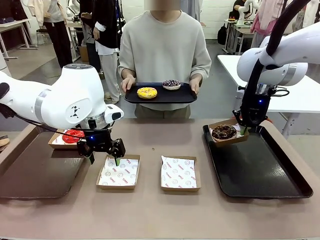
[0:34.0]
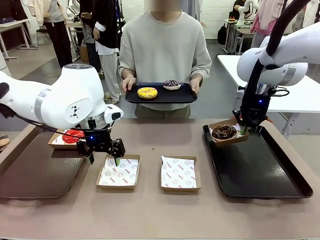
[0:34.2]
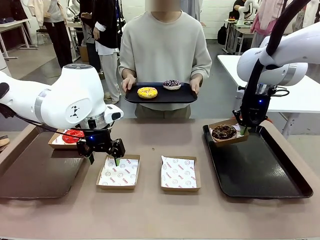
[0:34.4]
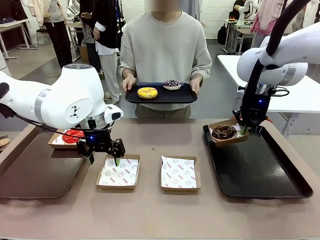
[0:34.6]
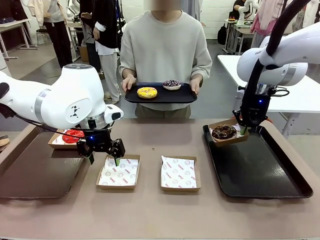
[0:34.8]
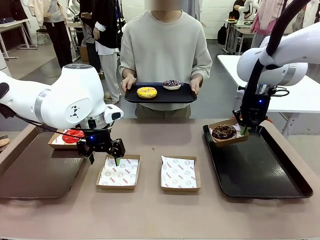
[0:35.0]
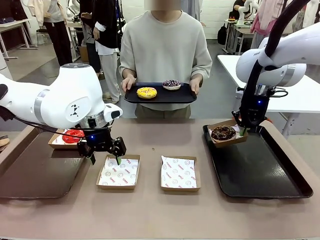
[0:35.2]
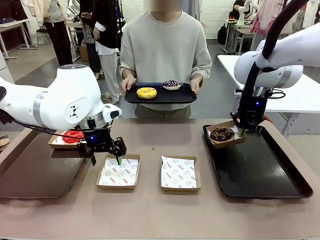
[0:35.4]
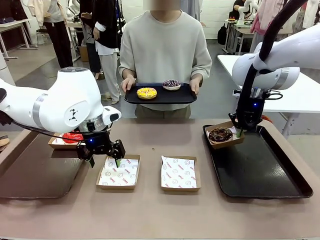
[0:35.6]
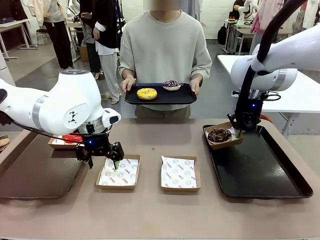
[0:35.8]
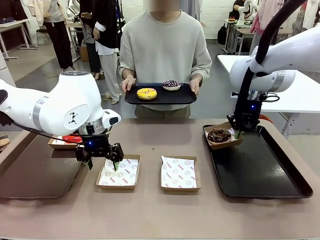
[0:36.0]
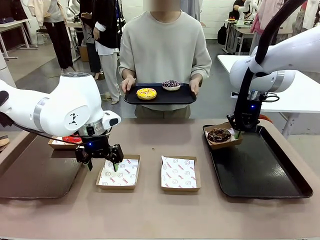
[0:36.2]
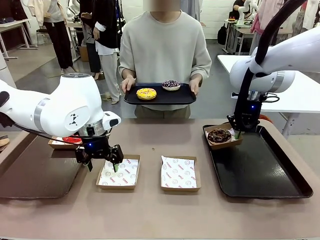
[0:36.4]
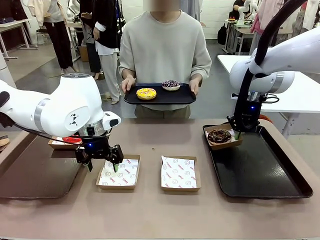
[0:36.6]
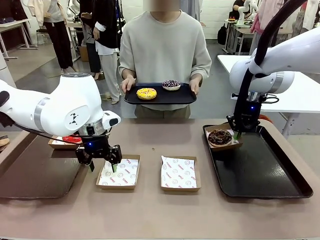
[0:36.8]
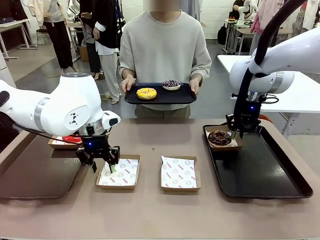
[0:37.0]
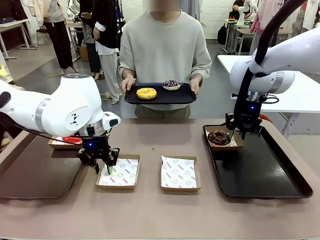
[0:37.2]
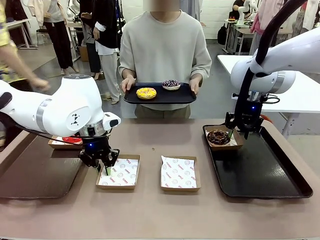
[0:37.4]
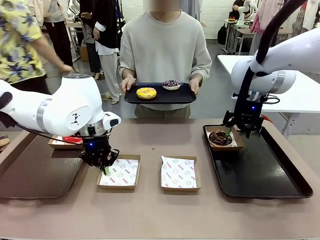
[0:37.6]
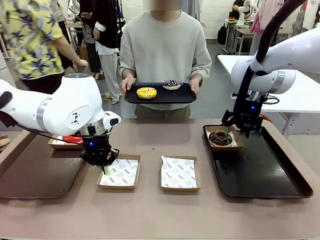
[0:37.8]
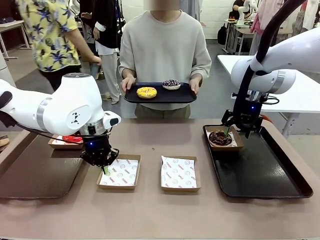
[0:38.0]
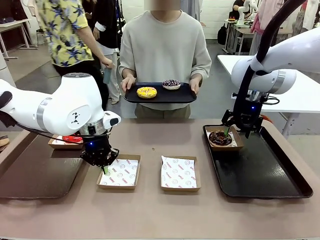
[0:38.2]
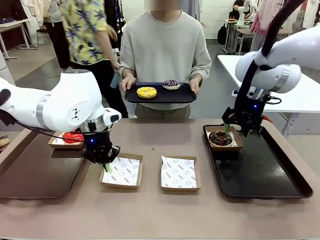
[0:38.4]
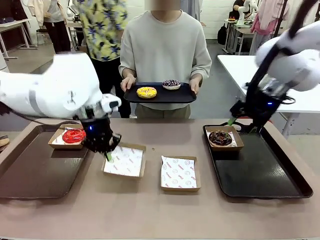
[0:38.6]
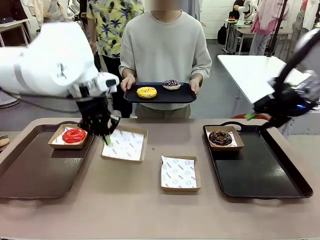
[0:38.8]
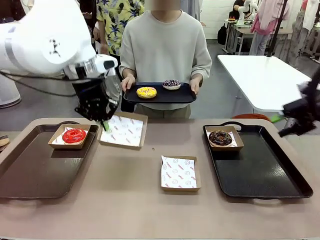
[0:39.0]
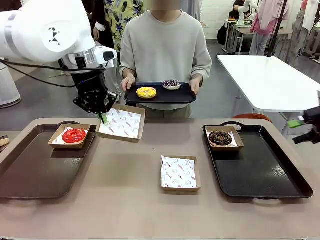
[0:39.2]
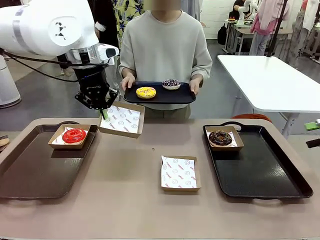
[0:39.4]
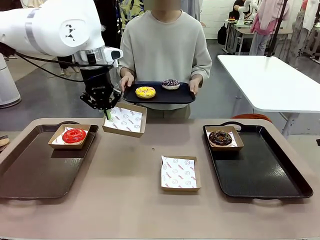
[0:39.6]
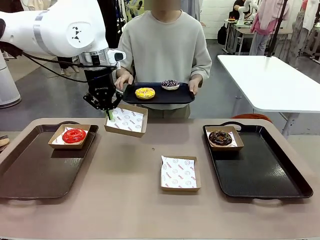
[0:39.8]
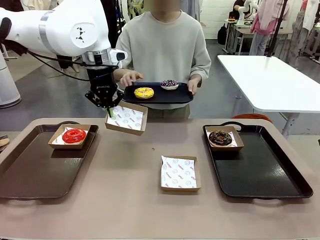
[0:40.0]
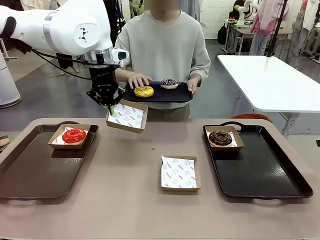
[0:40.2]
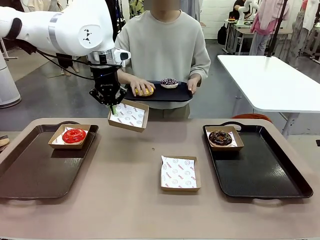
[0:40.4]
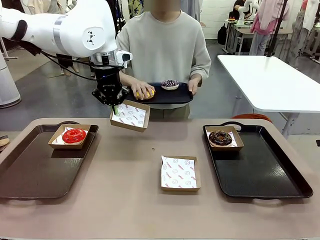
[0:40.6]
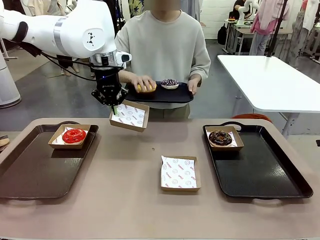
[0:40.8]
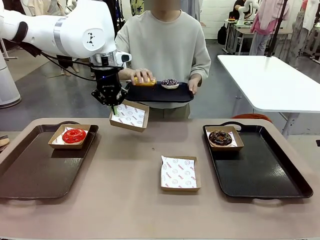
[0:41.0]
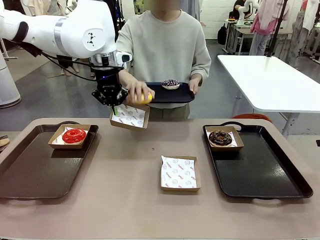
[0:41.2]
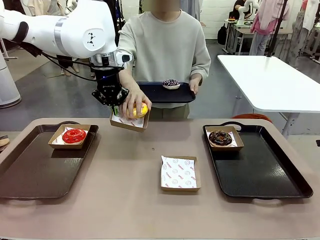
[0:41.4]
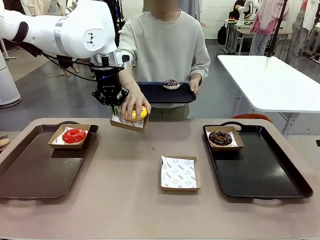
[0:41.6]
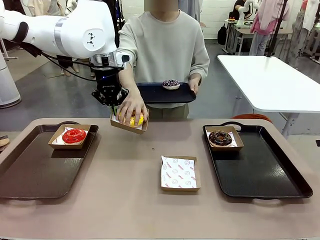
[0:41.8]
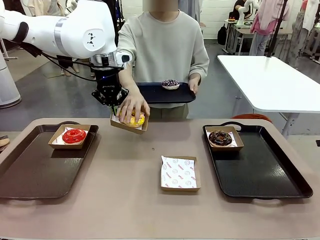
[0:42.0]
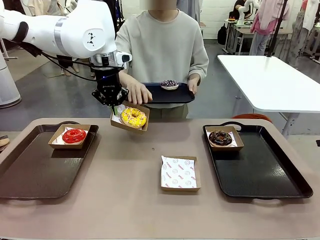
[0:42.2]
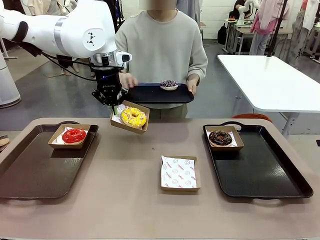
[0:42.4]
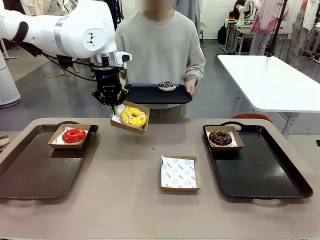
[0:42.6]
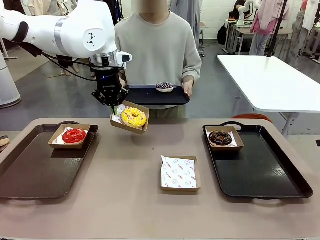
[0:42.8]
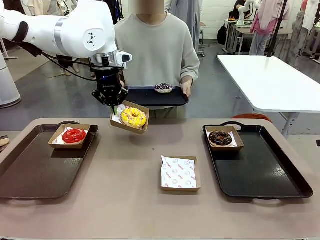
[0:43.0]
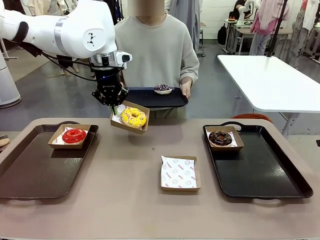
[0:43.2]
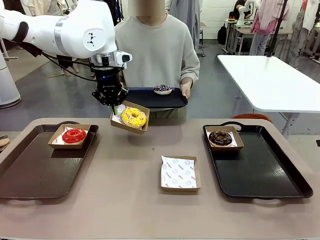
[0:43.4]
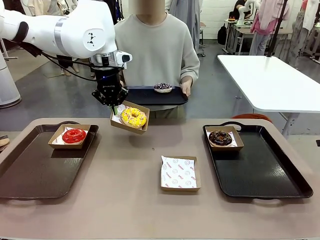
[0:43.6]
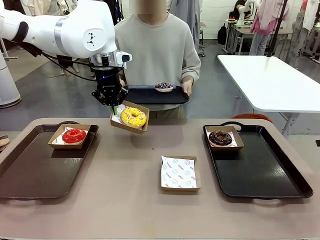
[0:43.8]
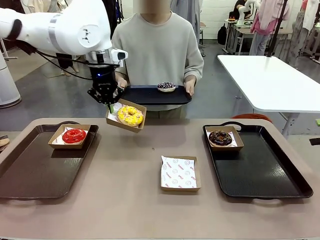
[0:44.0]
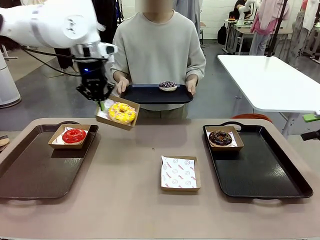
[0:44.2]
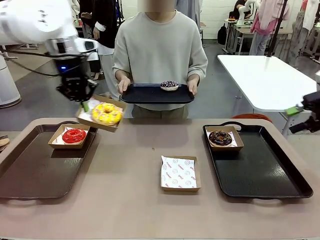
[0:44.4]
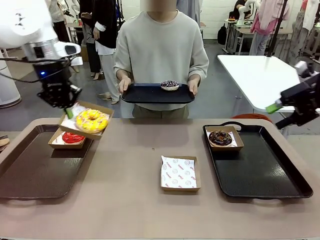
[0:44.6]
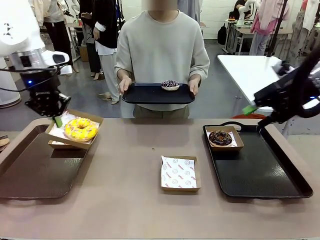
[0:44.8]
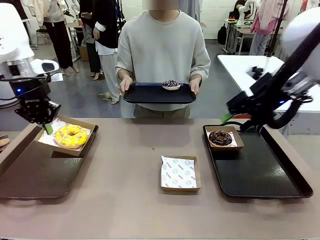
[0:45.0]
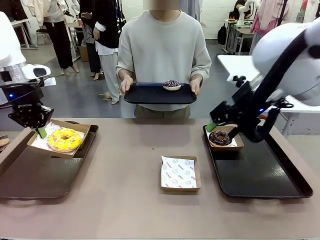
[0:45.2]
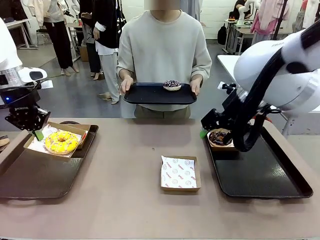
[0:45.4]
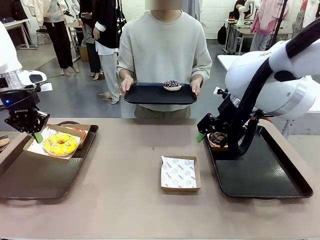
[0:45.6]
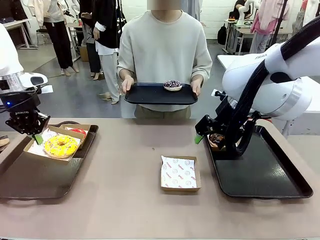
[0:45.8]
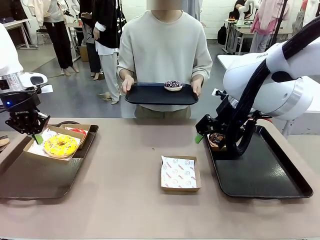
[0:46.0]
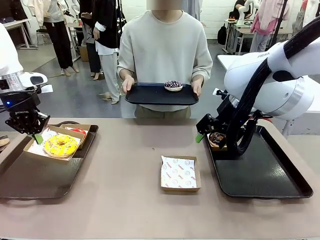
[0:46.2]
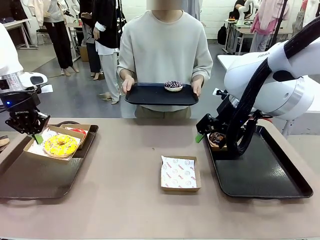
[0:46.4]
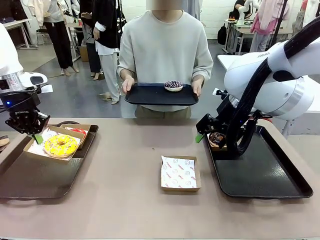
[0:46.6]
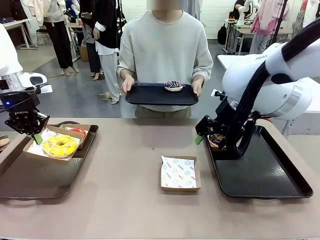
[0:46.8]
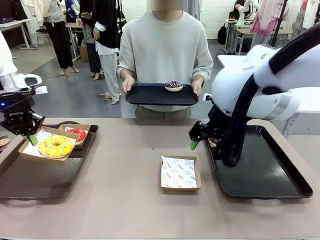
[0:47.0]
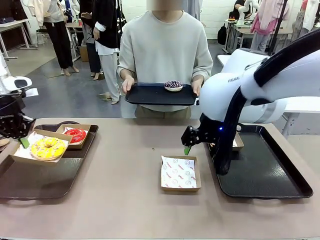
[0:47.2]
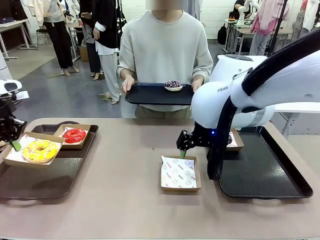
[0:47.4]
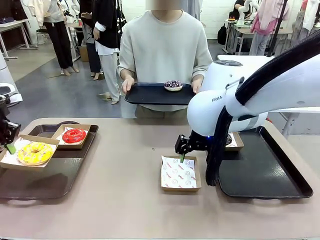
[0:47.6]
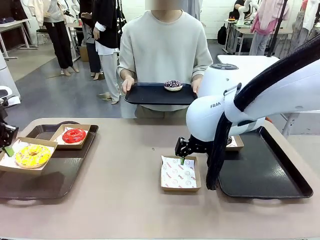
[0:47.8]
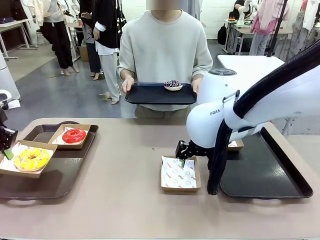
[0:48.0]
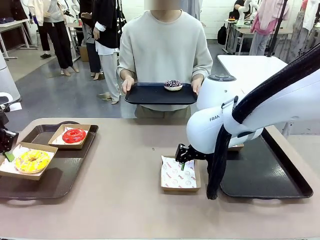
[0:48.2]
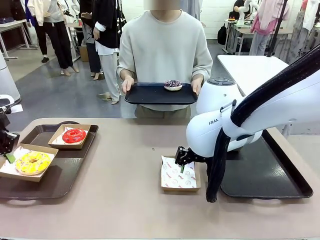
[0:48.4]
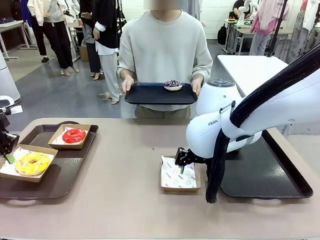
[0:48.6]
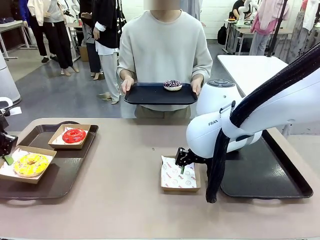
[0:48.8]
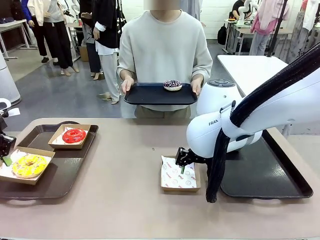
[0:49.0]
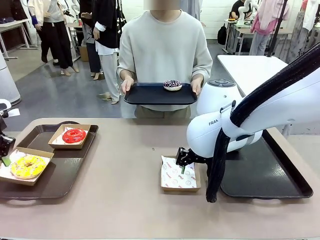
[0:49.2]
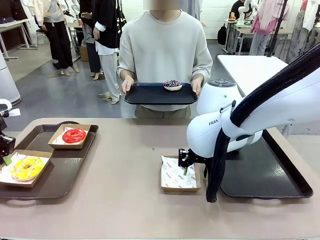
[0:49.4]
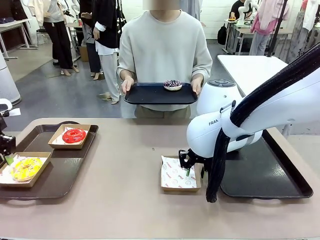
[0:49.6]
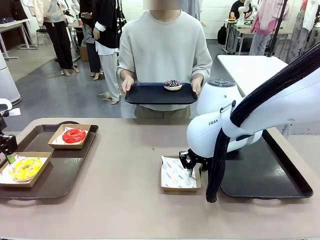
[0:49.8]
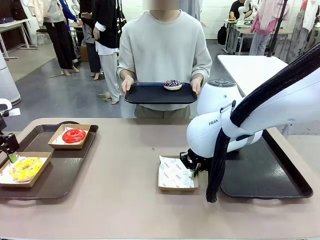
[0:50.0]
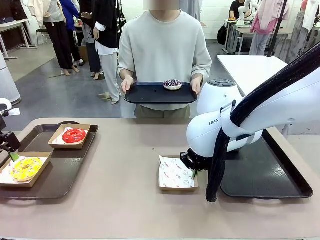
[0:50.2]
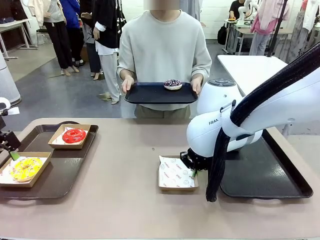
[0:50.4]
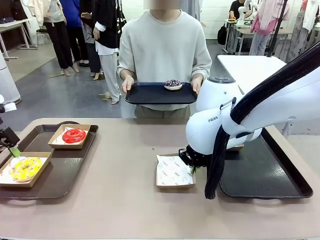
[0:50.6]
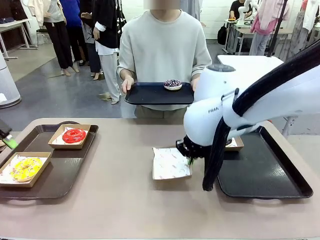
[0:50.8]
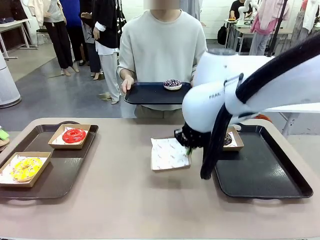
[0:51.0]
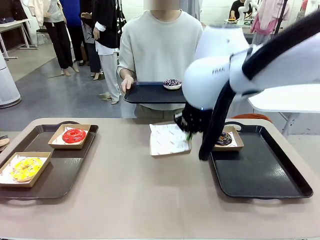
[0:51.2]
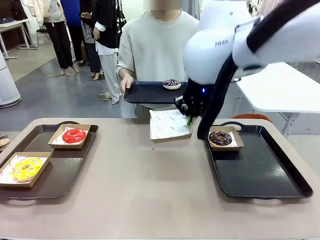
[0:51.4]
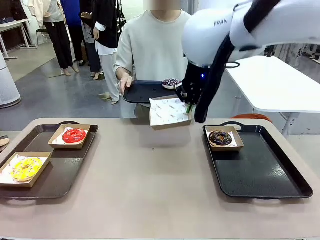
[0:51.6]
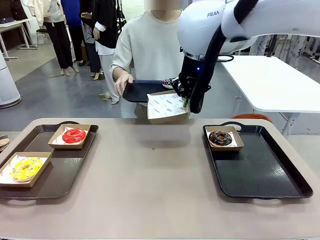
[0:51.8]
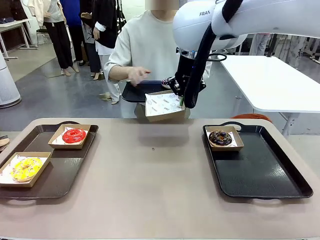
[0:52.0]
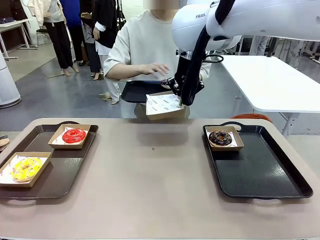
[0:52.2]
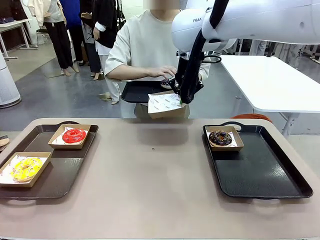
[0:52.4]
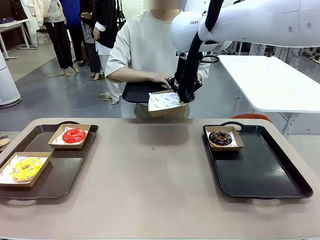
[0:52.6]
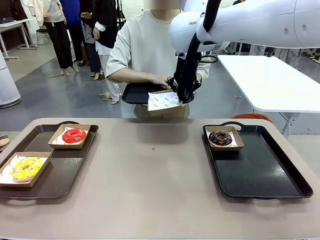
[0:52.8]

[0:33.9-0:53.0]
Task: Individually package the donuts and arrange them on the tray.
Robot: Place the picked Paper togo box on the Handle tray while simultaneously picking up another Paper togo box from the table with the other hand.
